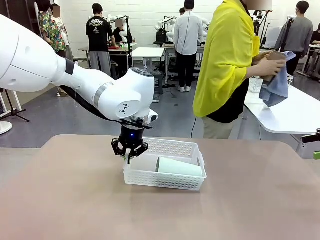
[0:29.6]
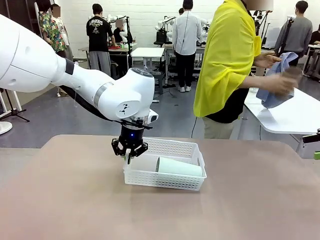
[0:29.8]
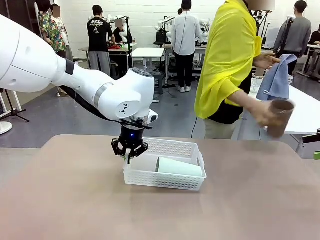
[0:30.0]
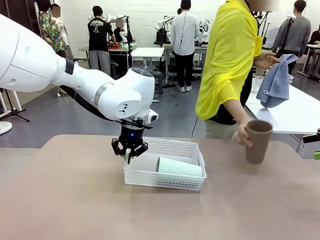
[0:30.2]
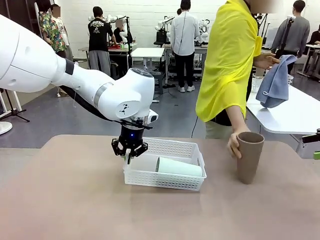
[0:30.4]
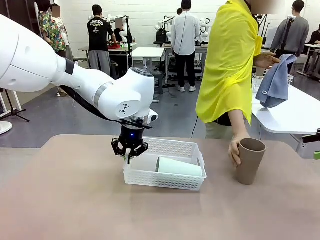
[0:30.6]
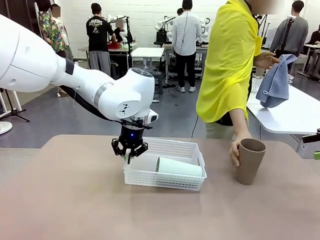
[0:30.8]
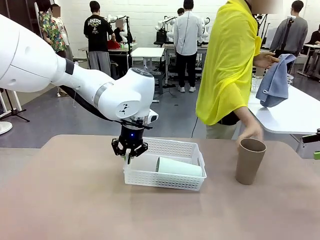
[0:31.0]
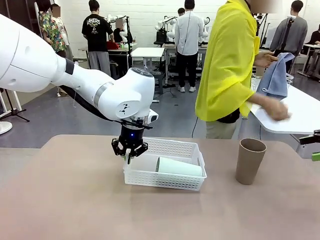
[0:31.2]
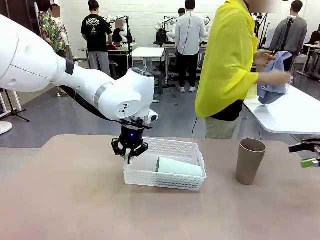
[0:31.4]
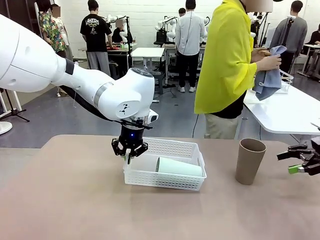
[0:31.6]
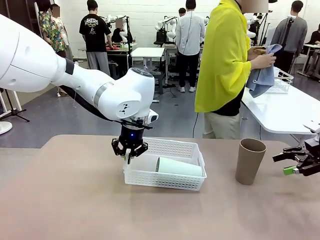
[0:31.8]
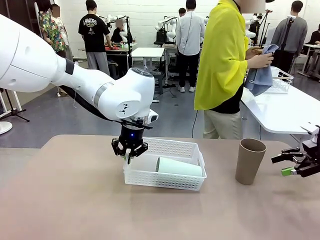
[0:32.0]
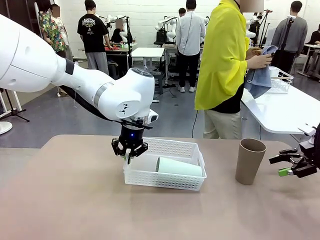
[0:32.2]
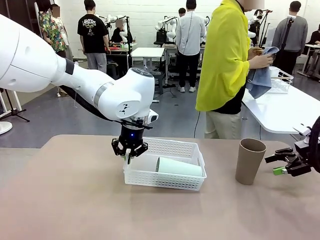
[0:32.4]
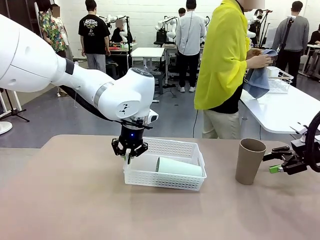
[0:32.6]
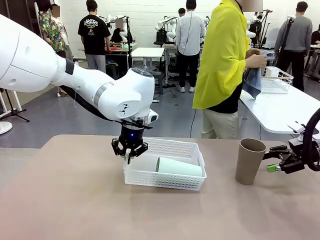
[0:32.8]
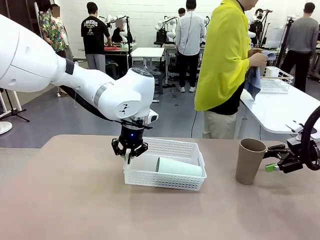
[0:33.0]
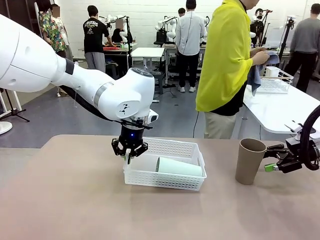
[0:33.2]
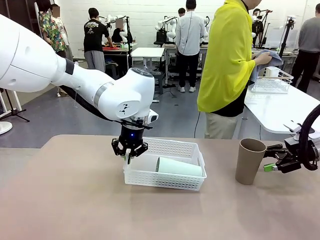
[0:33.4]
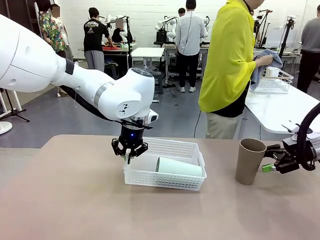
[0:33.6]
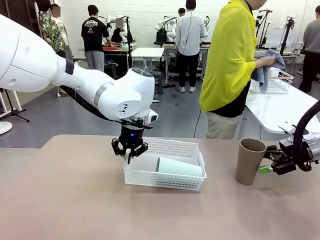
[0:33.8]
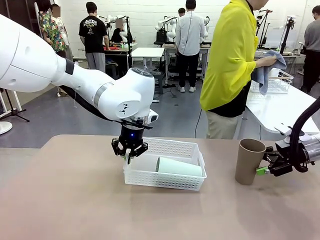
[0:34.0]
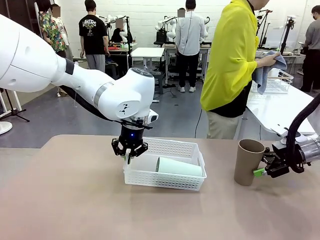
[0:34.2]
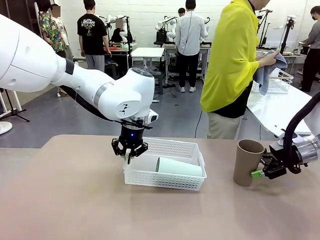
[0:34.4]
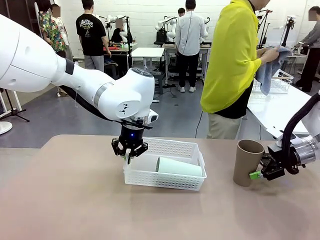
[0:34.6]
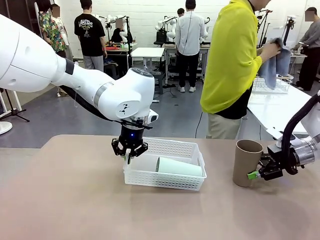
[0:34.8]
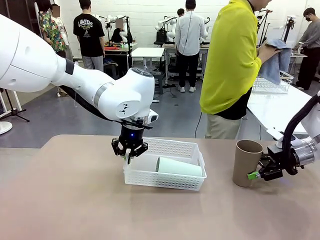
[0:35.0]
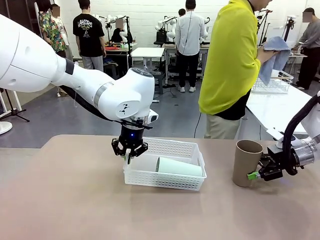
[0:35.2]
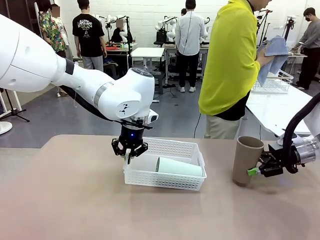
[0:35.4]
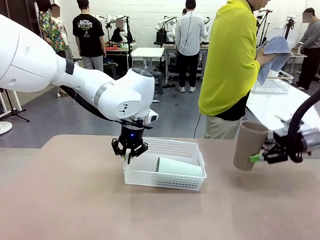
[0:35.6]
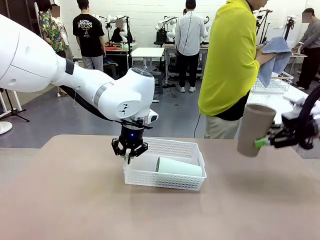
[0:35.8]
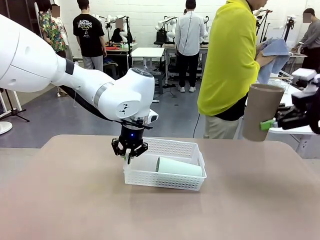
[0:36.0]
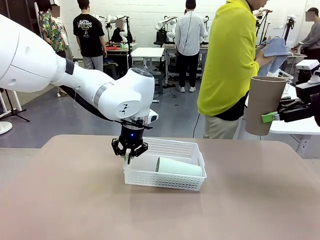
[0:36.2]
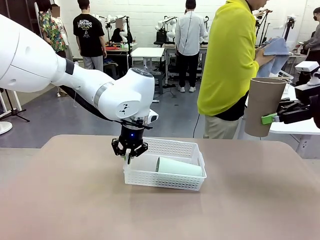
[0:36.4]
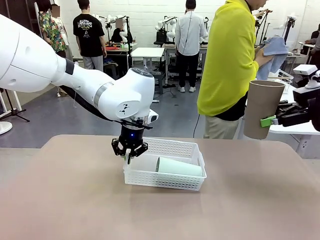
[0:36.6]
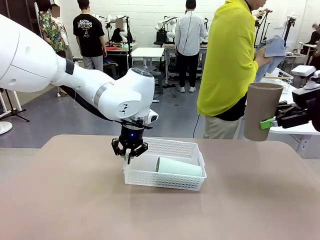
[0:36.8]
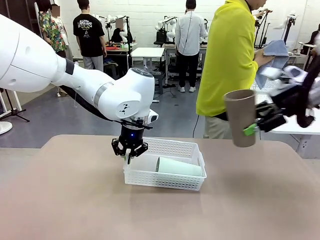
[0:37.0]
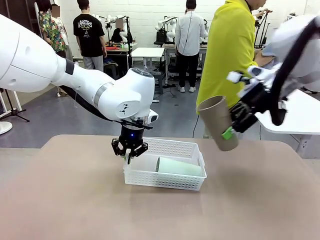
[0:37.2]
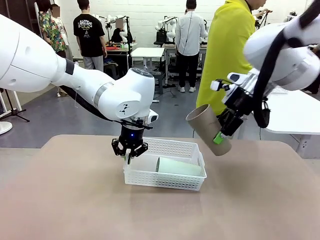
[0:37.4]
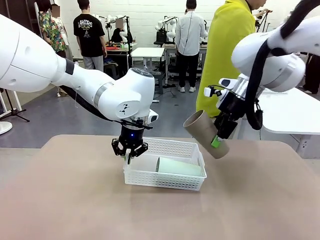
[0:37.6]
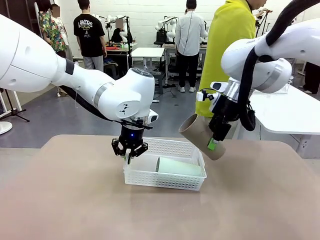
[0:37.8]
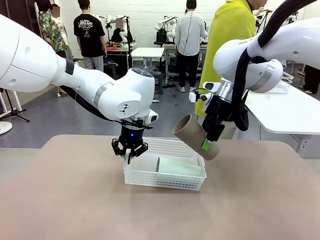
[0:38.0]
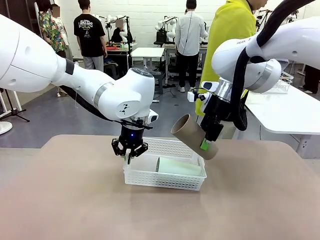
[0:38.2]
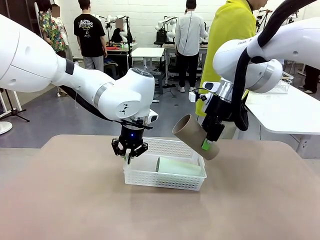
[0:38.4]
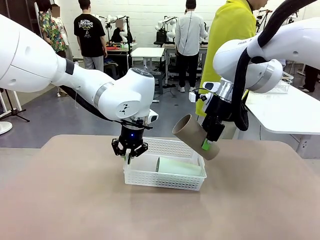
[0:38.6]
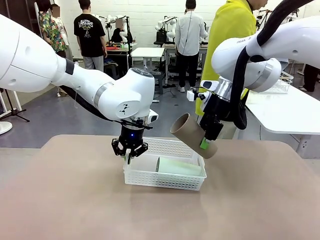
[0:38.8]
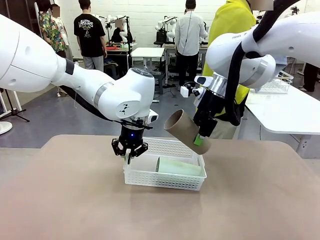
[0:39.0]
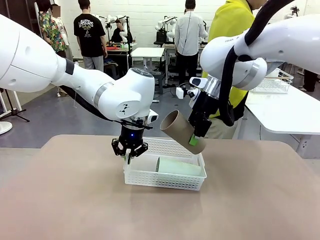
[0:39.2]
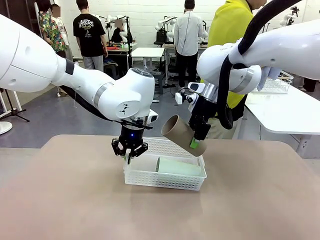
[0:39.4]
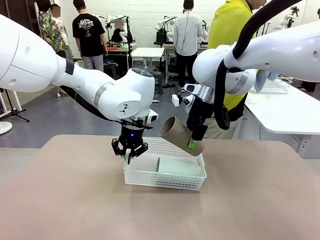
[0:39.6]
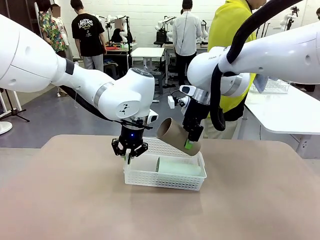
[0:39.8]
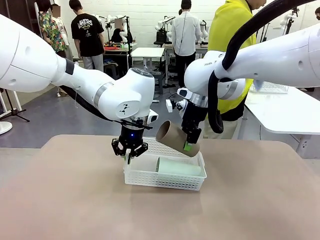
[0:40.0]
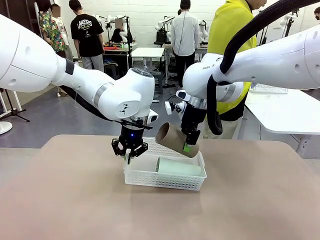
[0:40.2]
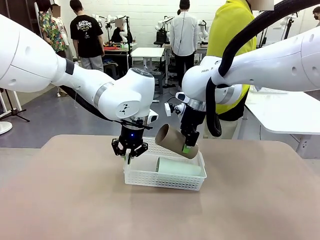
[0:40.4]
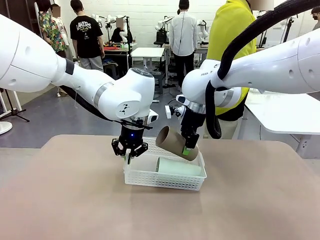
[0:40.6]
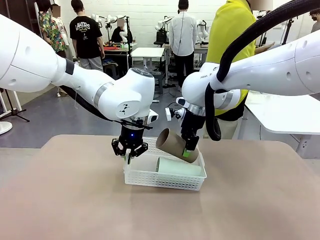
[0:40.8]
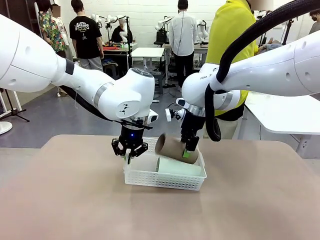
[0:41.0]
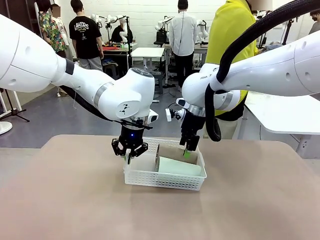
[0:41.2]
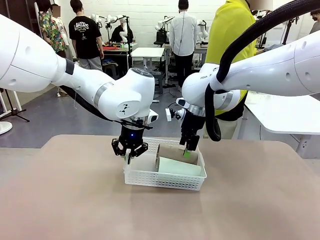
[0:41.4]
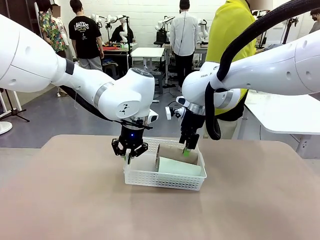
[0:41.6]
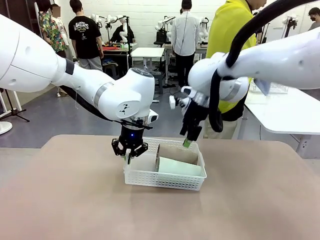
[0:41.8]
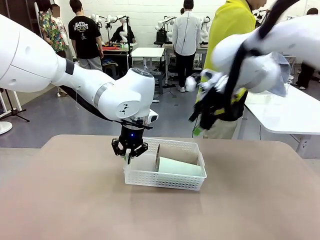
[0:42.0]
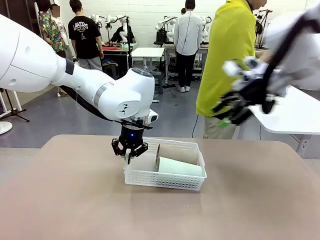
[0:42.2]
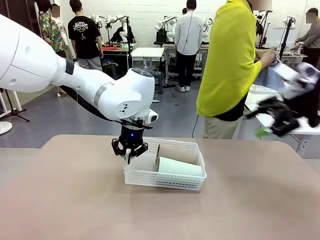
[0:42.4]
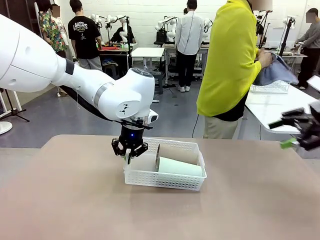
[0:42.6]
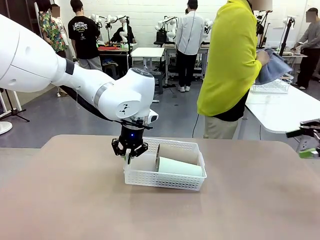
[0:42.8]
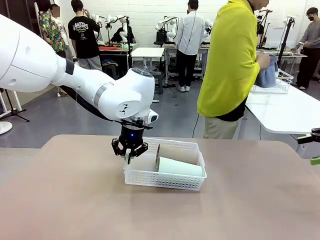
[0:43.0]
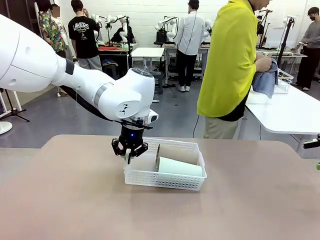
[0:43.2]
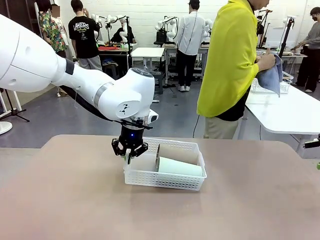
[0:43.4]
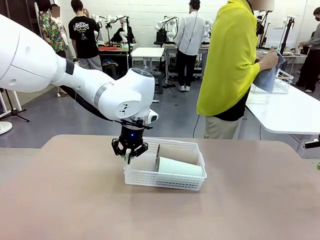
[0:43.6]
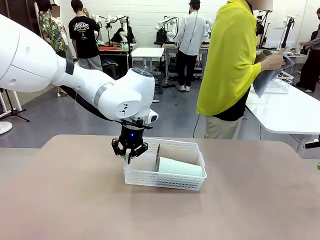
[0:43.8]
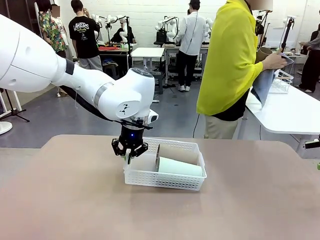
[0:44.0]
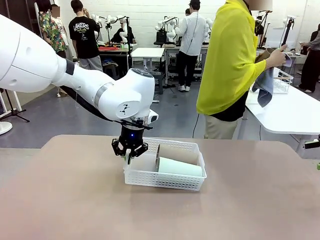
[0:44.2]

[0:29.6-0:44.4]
Task: Clean and organize the cups into the basket.
Robot: Pick up the Reusable plastic cup from the right side of the table and stack it inside the Organizing basket in the center of the table.
